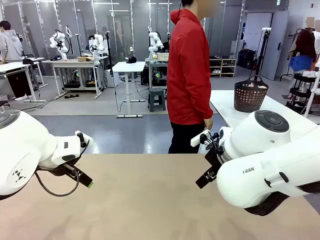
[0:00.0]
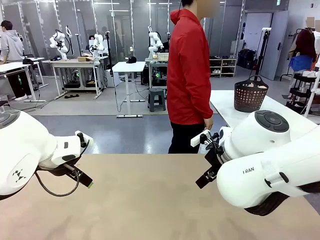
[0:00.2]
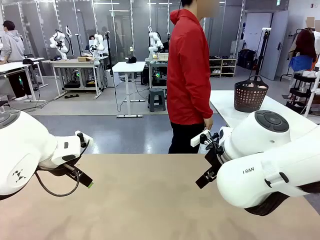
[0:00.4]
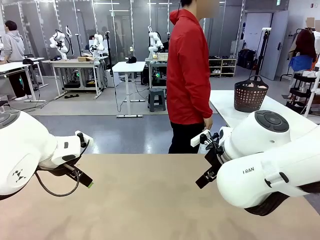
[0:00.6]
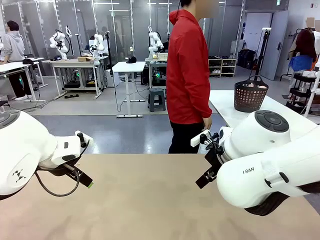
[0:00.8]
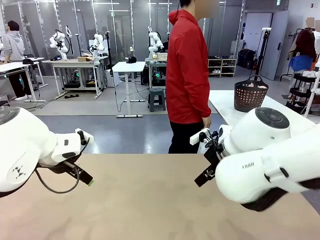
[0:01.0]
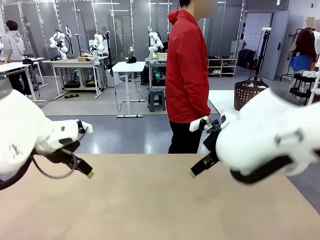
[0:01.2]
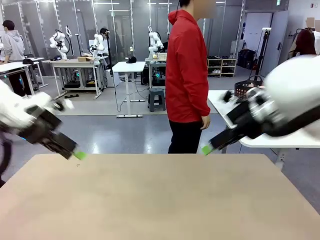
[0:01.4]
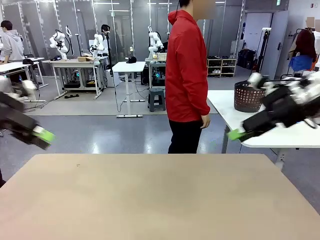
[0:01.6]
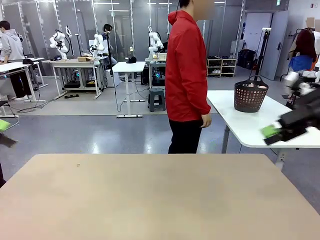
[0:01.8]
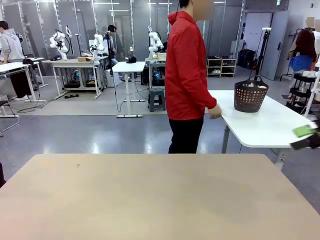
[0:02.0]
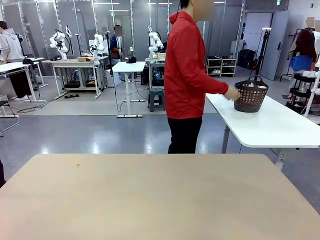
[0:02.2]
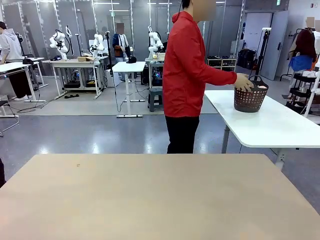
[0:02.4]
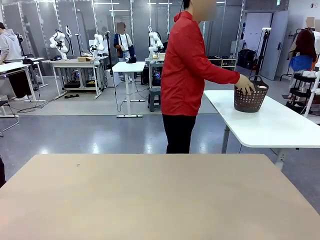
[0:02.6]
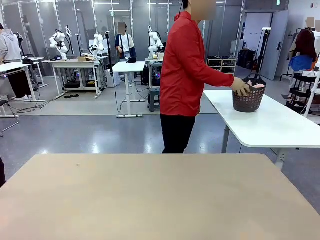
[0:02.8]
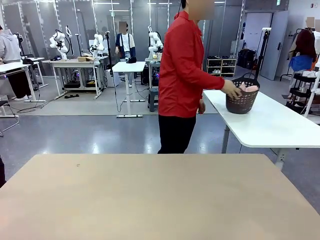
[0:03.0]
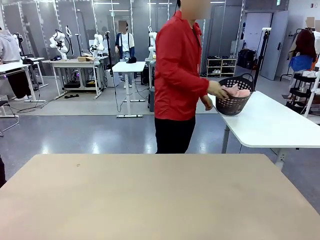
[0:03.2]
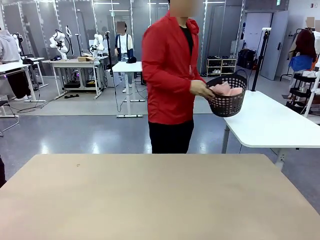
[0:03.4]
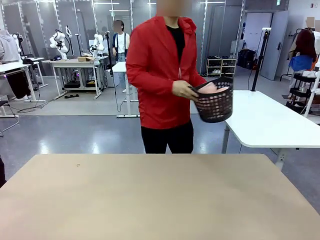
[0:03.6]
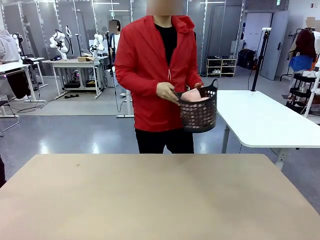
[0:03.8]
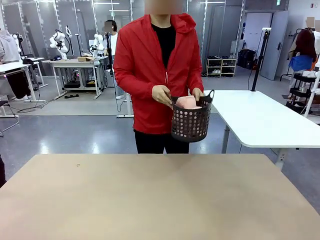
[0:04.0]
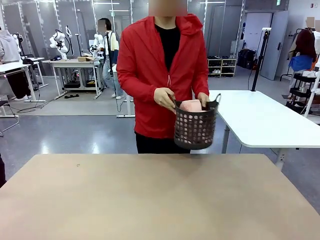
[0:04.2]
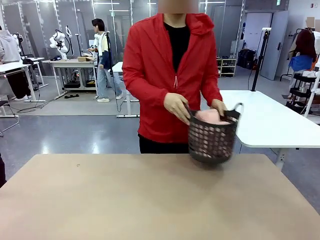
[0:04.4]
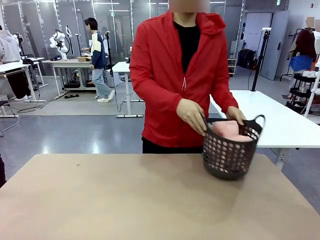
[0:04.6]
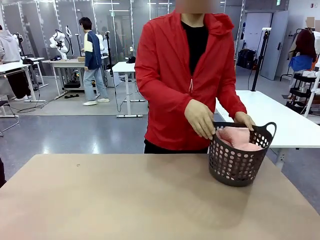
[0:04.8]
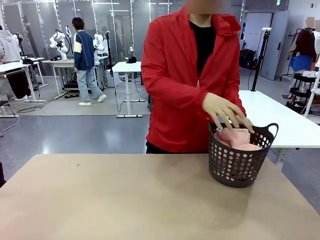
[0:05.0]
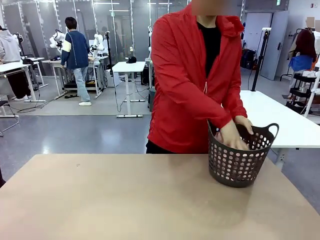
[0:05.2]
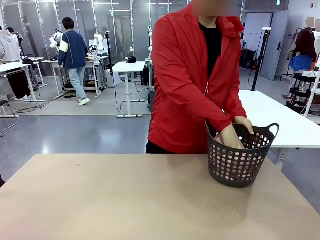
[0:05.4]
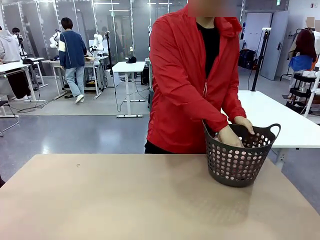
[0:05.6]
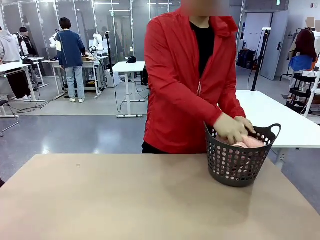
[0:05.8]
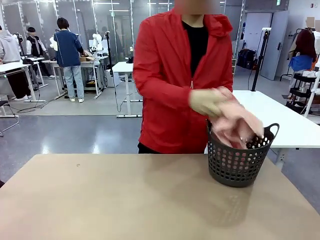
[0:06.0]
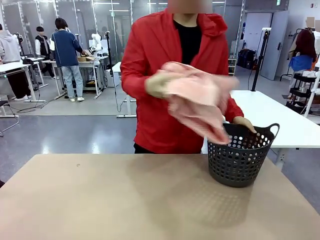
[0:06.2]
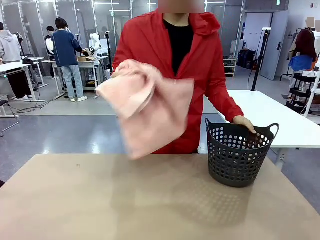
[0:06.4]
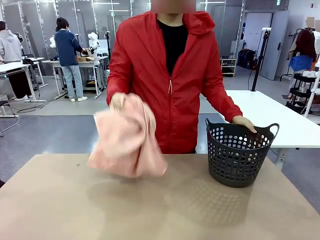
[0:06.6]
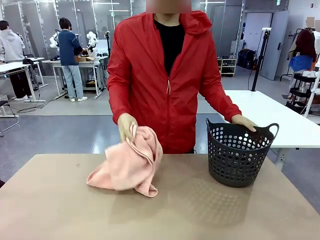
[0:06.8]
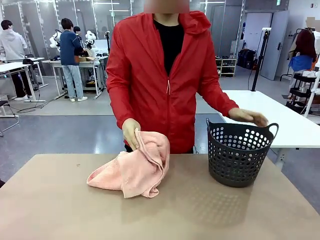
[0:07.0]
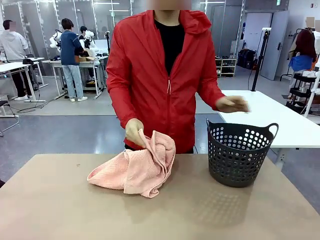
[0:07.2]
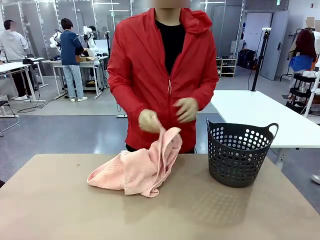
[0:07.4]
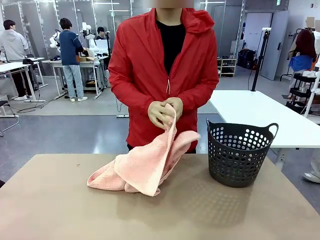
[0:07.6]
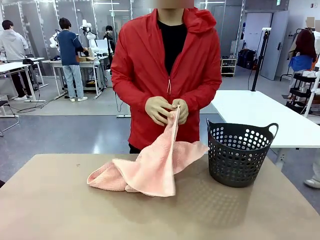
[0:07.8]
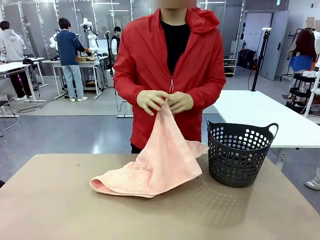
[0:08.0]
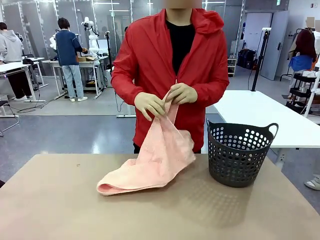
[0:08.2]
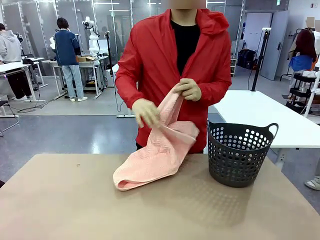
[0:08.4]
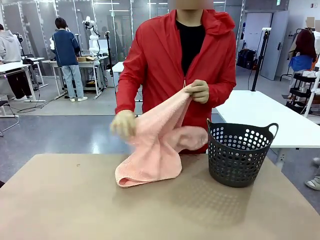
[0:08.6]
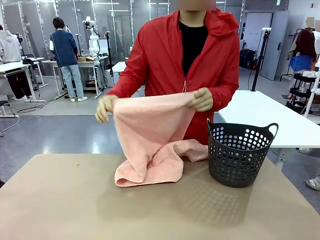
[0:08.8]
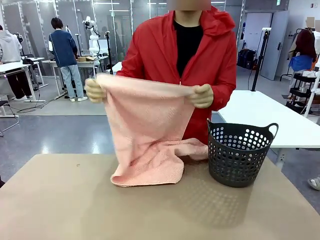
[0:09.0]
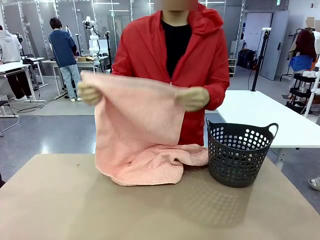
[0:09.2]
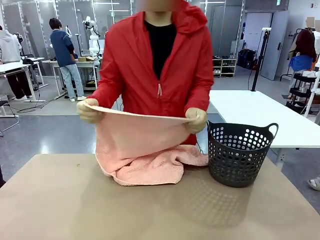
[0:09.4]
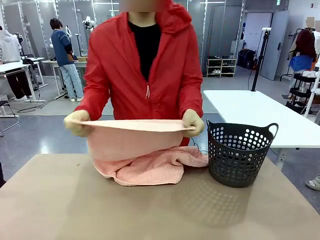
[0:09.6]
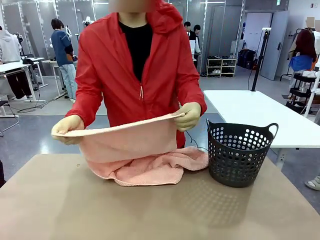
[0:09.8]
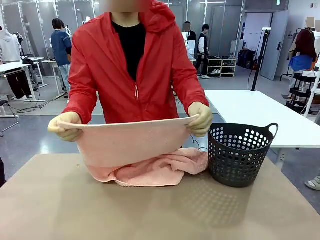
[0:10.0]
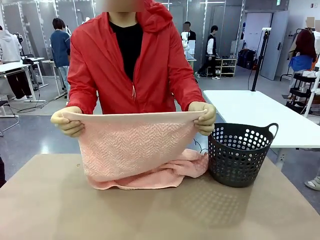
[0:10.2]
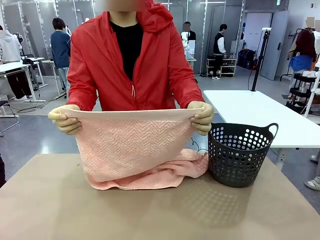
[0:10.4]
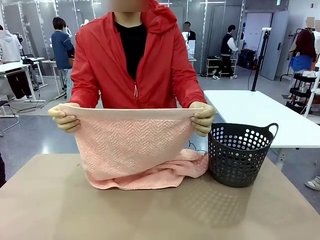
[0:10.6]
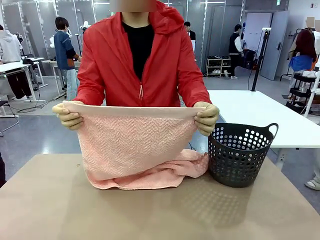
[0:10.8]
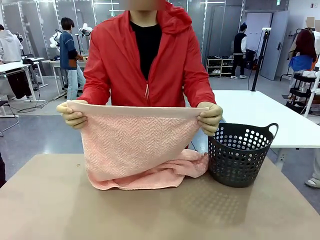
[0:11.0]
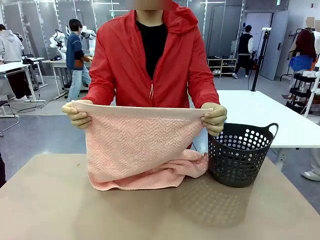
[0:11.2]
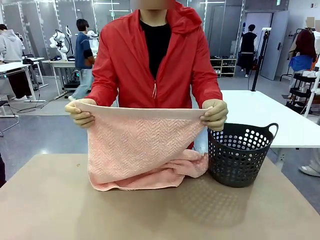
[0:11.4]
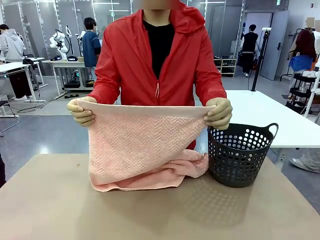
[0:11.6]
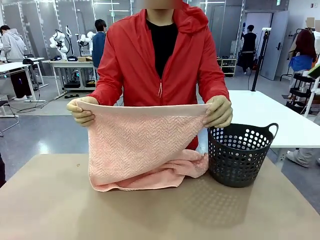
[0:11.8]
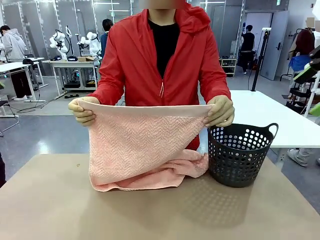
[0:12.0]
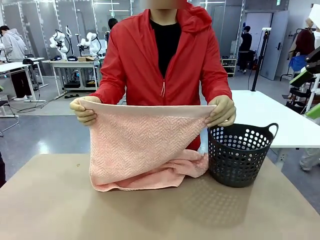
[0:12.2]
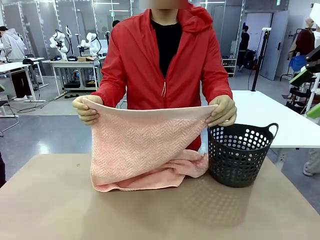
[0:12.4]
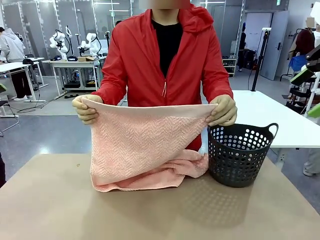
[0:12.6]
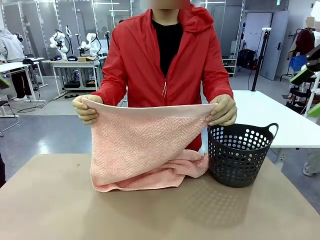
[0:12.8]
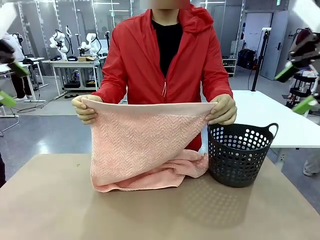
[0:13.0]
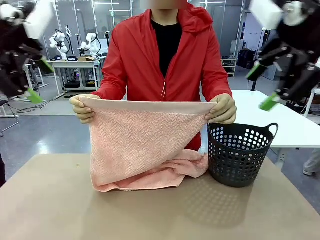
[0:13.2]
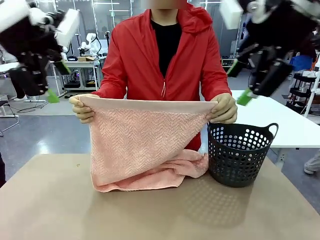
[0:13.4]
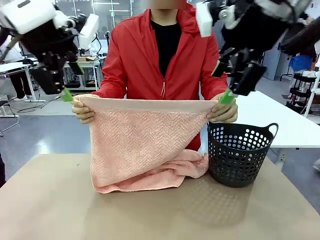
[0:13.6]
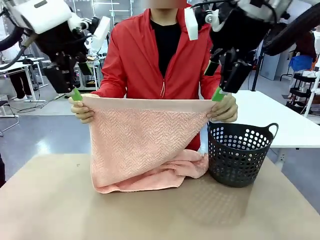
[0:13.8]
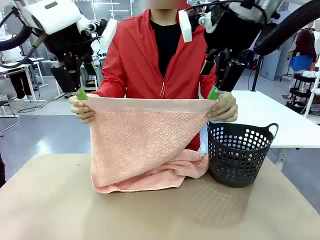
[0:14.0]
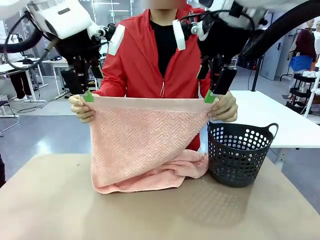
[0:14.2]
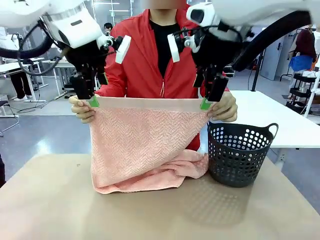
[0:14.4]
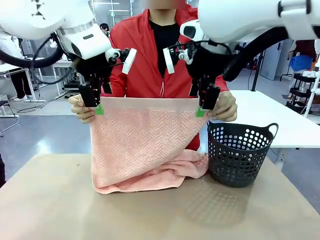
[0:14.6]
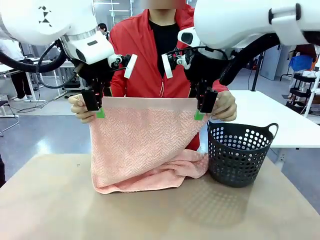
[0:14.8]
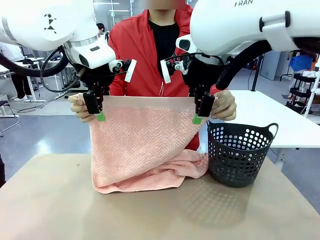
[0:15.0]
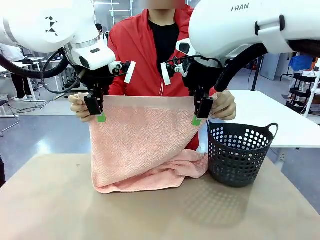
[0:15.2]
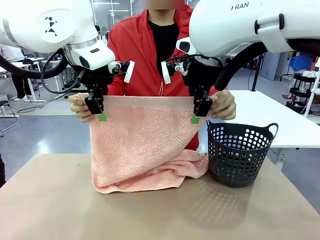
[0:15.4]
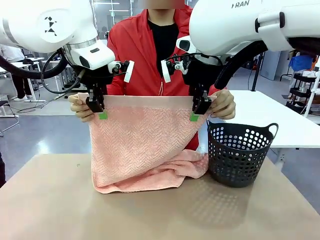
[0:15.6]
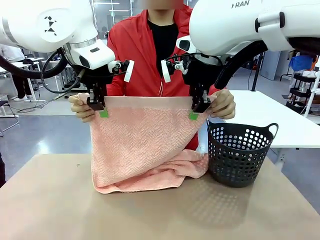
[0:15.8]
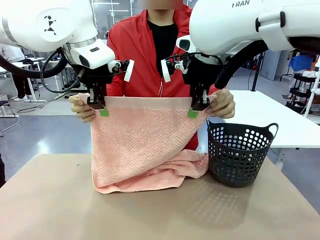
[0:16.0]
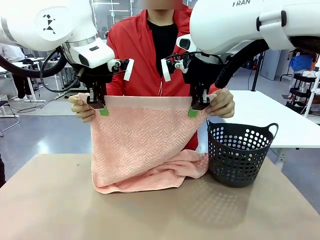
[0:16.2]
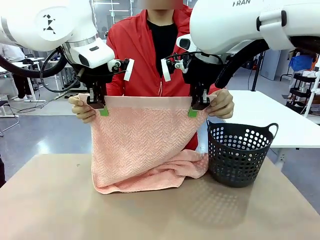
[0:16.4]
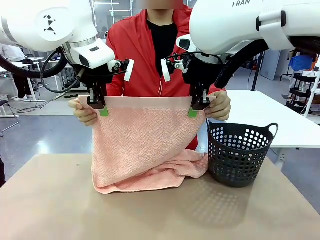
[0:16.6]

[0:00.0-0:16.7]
Task: Fold the towel.
Robot: Grab the top end of the 100 cm Hotel Towel extended by the human.
Person: Pick up the laundry basket, place it on the left side of the robot table, then take out a towel and hand it to the robot while holding both corners of one end.
